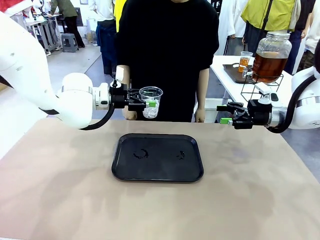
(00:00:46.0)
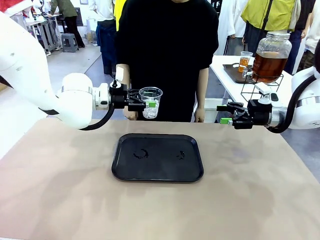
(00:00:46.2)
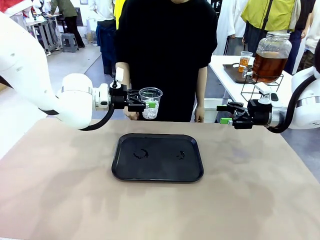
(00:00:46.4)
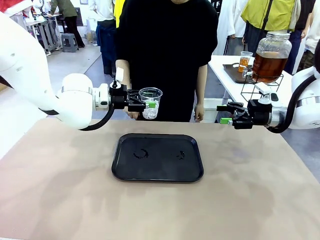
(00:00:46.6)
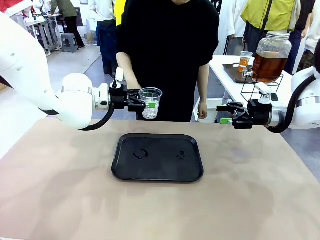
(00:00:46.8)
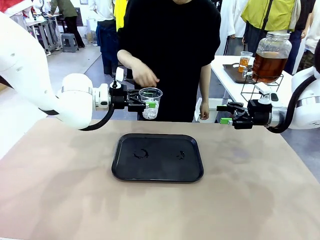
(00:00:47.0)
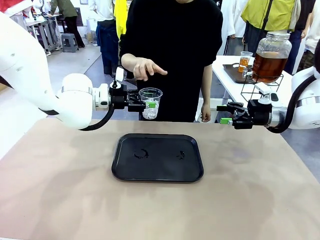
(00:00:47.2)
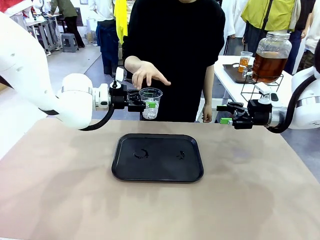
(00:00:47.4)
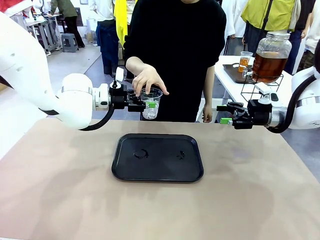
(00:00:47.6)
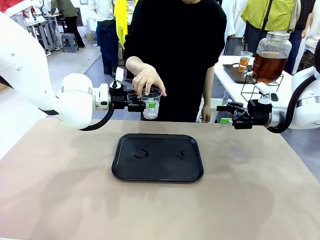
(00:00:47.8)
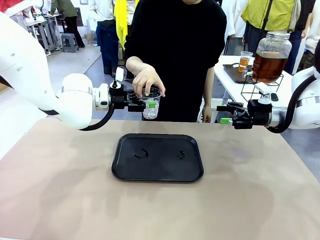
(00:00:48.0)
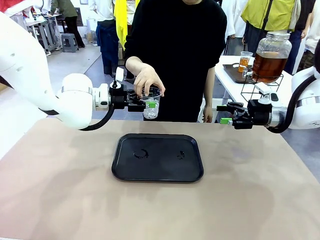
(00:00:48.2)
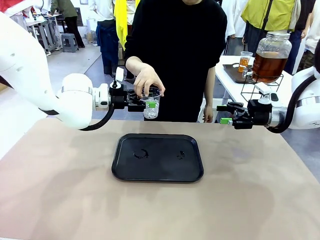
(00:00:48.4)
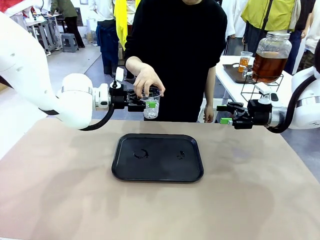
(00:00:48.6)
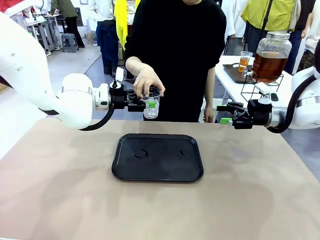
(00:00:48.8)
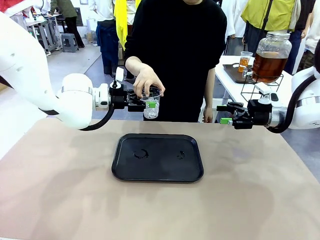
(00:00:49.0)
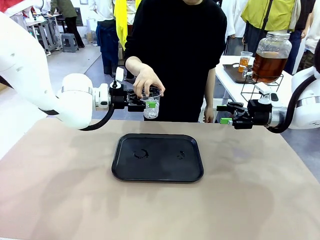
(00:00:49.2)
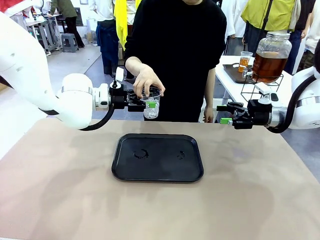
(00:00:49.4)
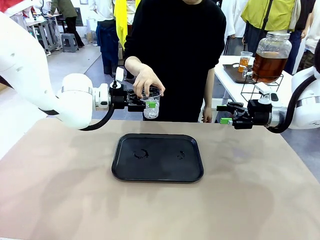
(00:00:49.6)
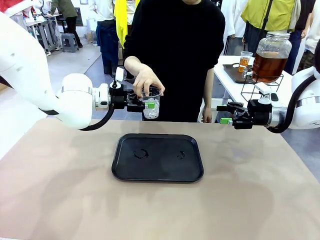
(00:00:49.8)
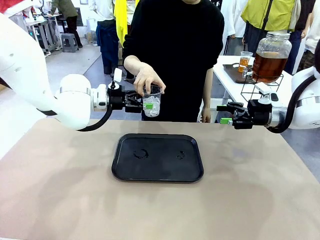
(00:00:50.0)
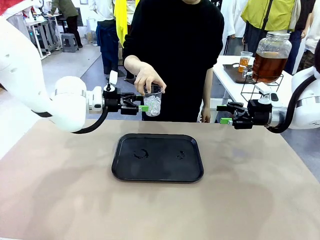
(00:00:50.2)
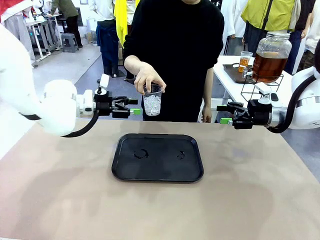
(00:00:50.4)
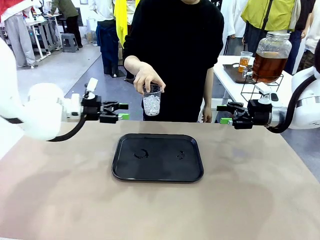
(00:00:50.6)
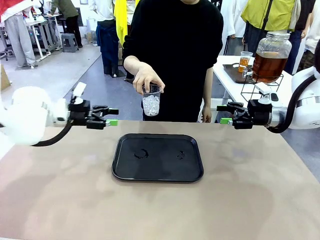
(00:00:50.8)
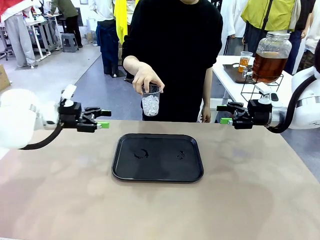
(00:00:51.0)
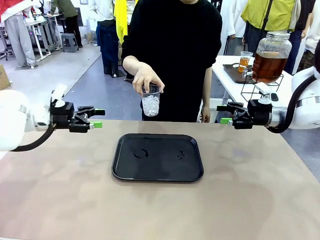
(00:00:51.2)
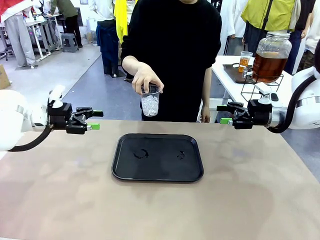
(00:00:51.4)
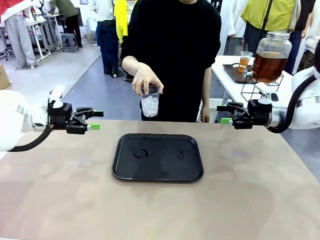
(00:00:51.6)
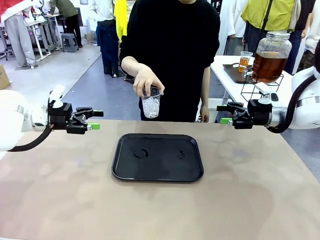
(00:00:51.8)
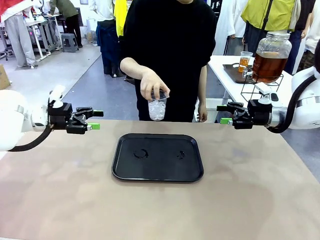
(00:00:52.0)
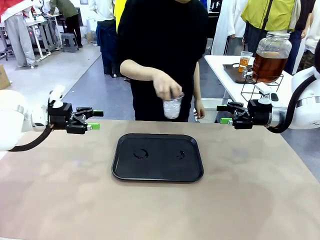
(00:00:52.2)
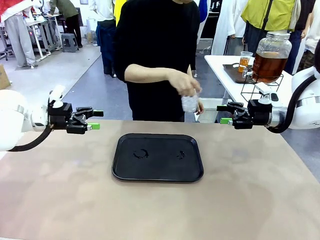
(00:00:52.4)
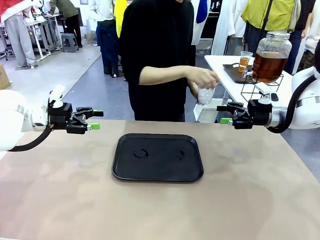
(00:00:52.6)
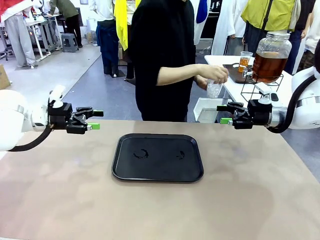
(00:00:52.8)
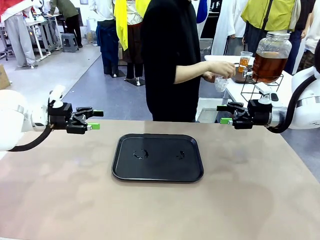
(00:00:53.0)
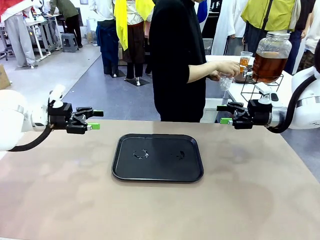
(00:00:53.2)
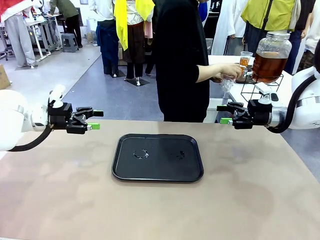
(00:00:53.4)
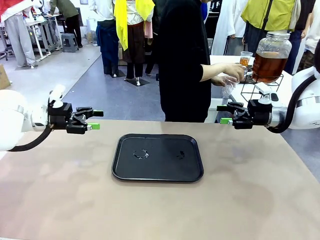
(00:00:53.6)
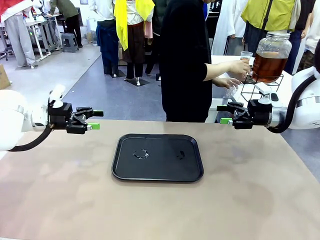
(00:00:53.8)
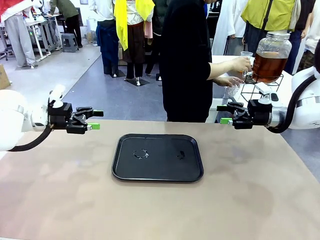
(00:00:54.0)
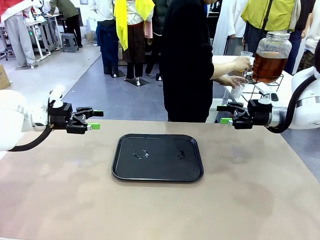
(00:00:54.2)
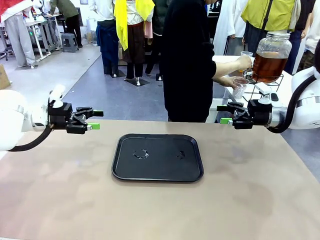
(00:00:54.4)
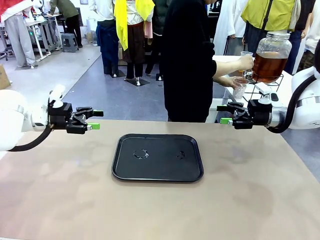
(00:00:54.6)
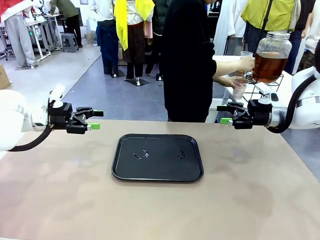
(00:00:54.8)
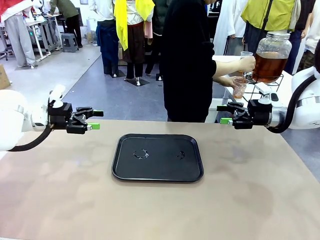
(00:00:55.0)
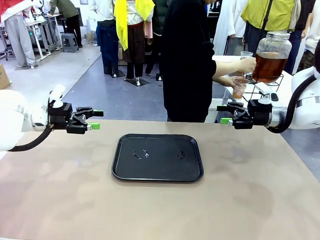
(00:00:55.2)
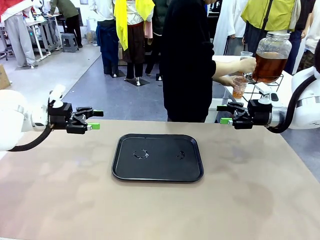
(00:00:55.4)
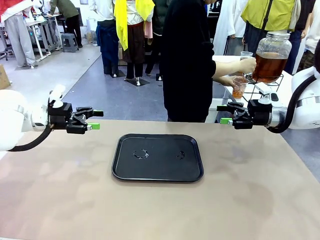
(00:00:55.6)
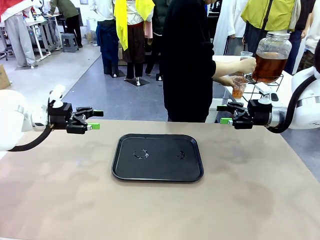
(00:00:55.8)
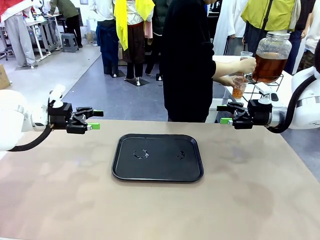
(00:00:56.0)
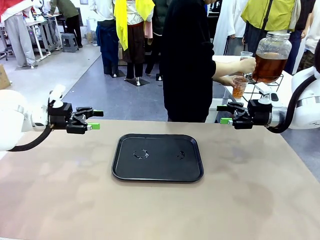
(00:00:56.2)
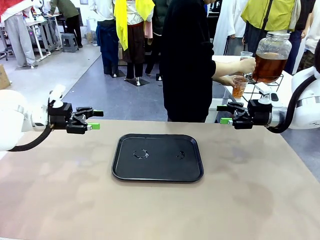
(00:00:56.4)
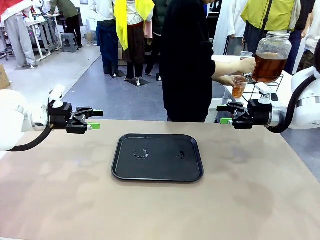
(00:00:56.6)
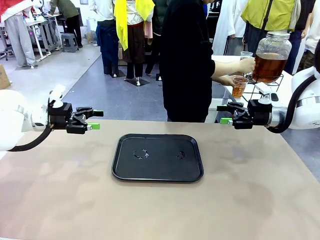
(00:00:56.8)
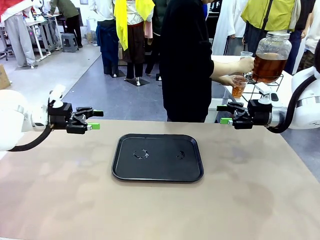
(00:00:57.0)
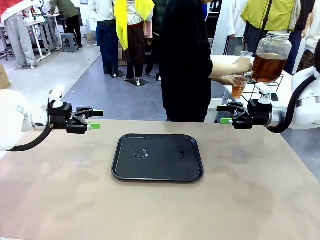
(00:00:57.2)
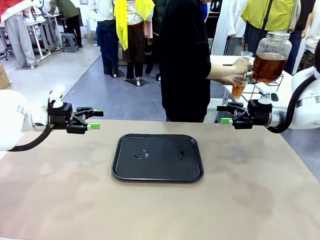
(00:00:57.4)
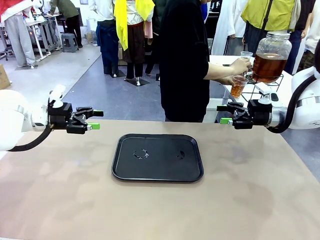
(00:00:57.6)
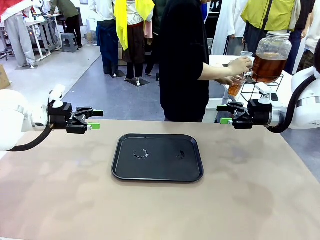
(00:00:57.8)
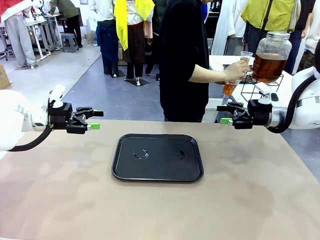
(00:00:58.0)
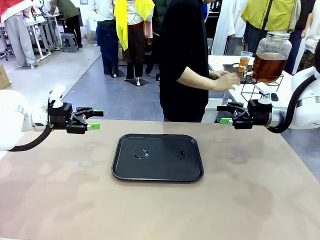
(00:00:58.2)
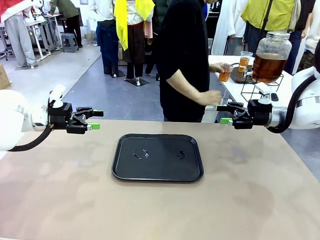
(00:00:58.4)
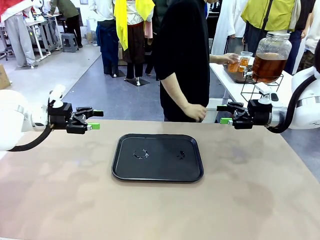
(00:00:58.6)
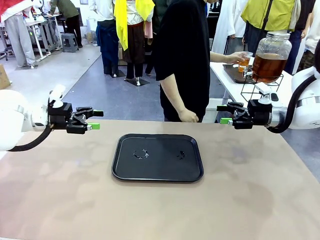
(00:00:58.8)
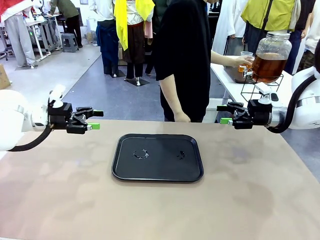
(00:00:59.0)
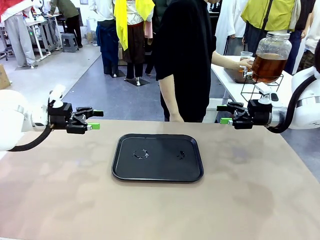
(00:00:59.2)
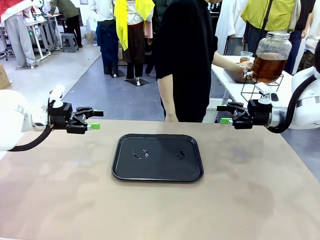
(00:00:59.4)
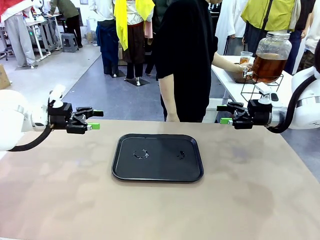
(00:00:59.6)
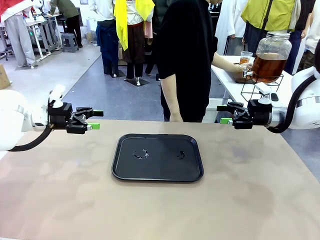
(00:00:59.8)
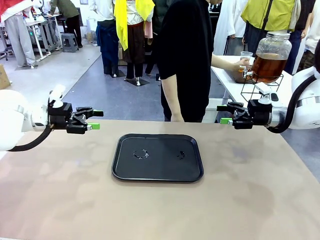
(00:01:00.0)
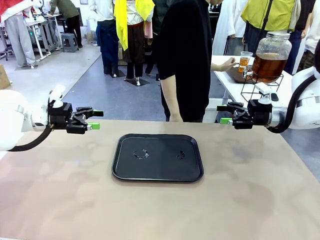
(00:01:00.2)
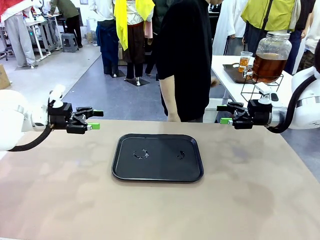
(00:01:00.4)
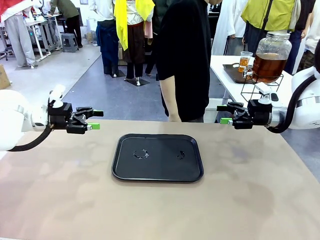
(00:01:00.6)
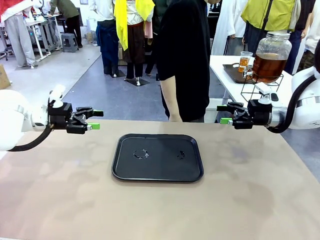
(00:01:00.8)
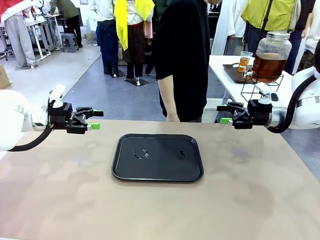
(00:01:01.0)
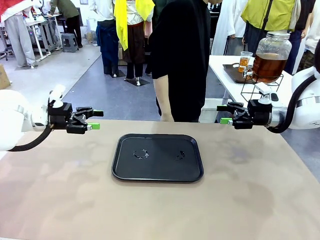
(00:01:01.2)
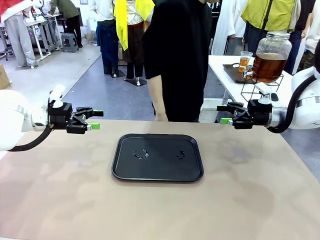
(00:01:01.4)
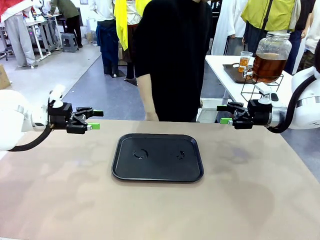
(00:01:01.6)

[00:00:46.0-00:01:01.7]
Task: Pour the drink into the iced cup.
Robot: Open the gripper to release the iced cup you were holding.
Person: Move the picked-up cup under the dispenser faucet, pour the drink, and place it on the tray on the human table.
